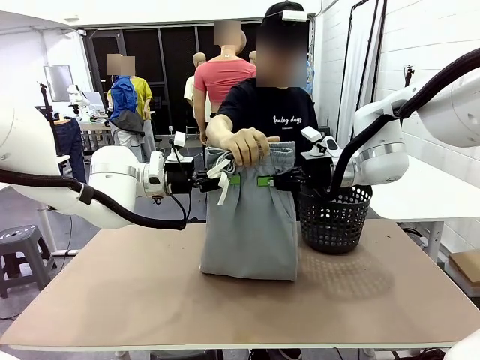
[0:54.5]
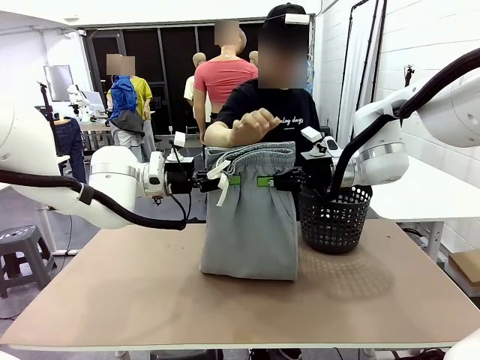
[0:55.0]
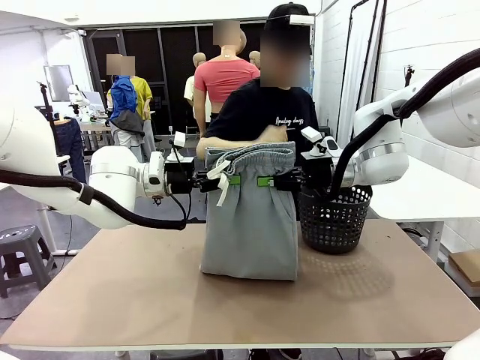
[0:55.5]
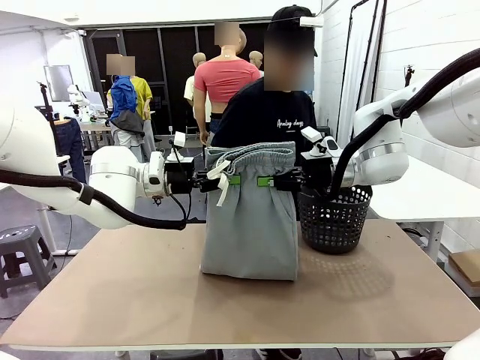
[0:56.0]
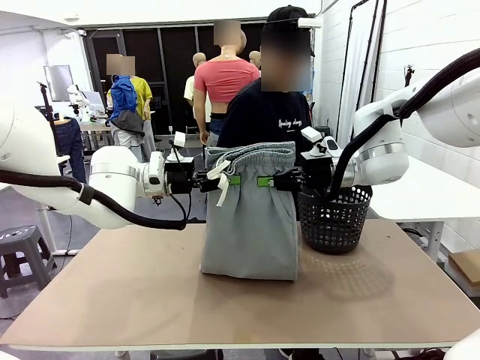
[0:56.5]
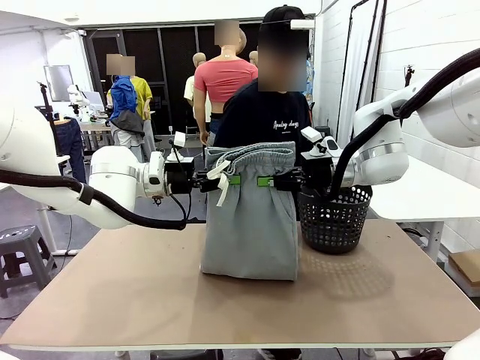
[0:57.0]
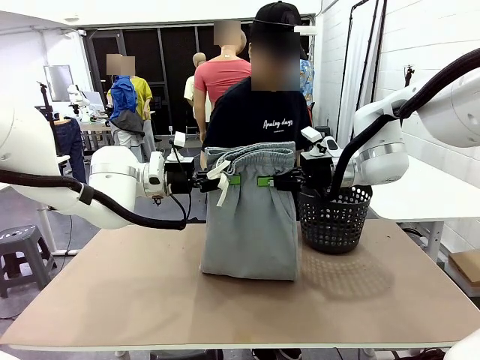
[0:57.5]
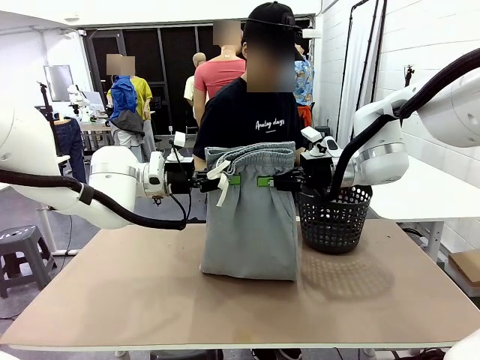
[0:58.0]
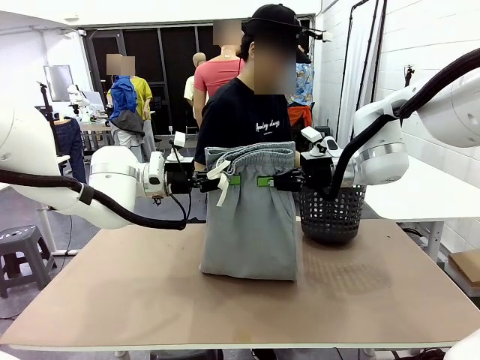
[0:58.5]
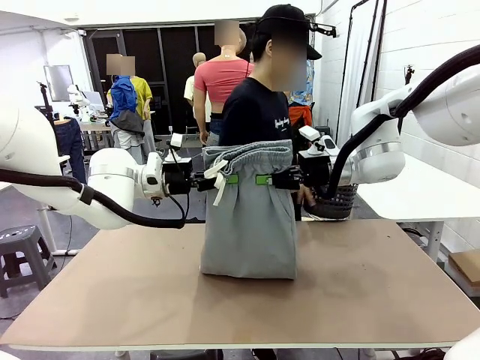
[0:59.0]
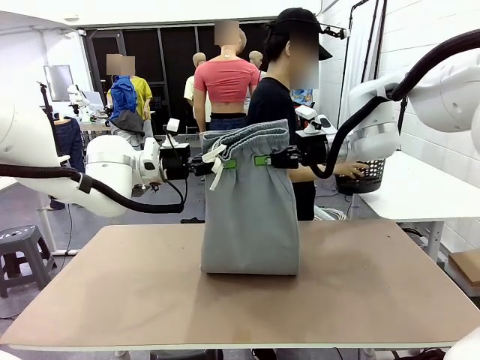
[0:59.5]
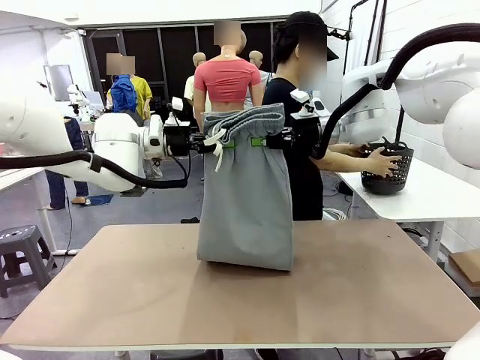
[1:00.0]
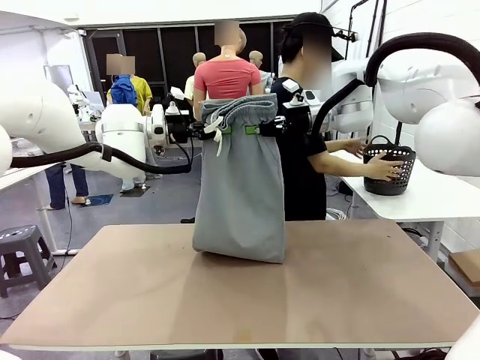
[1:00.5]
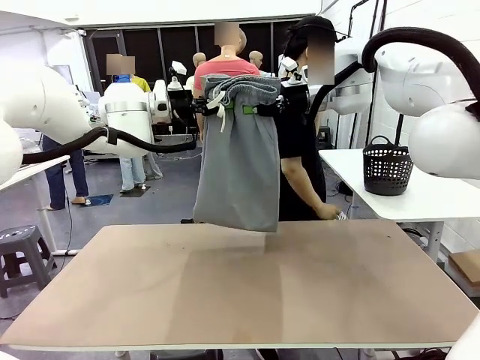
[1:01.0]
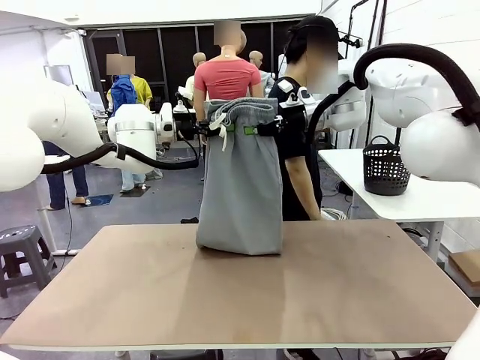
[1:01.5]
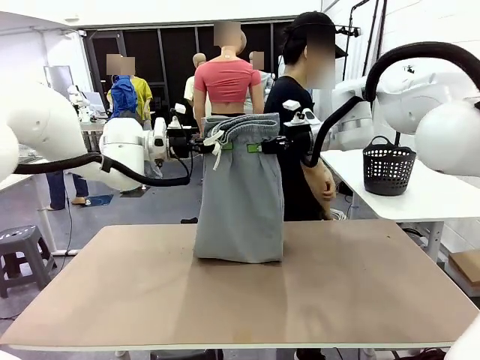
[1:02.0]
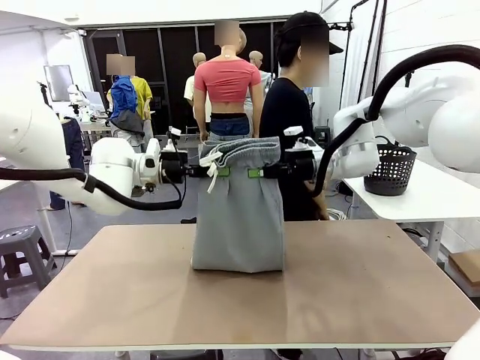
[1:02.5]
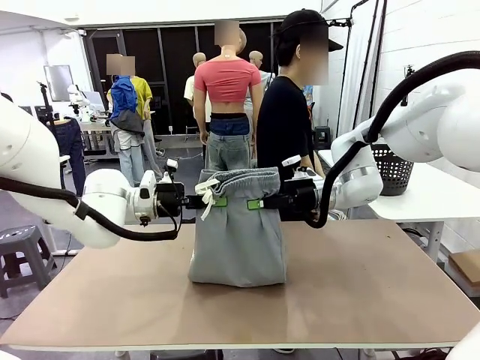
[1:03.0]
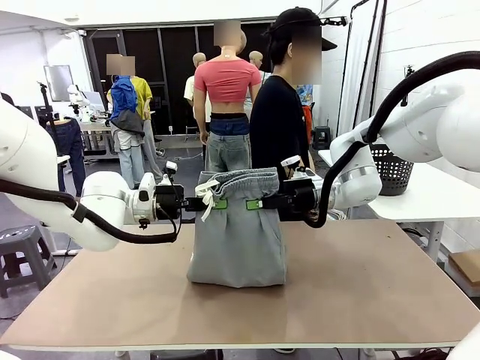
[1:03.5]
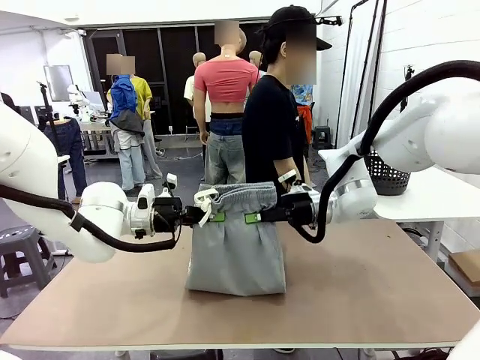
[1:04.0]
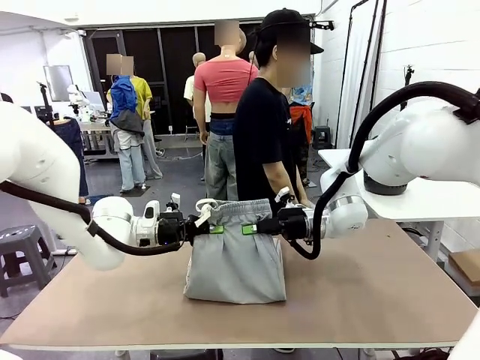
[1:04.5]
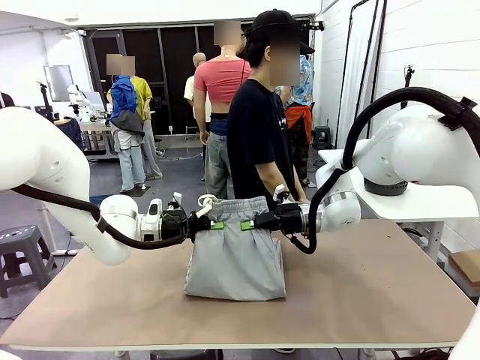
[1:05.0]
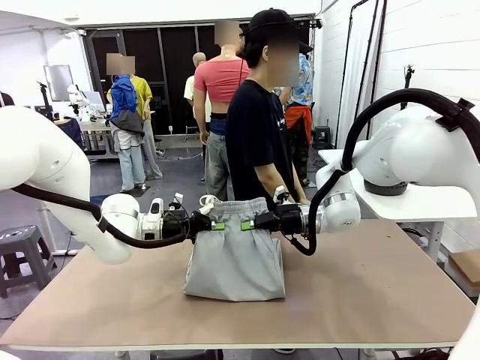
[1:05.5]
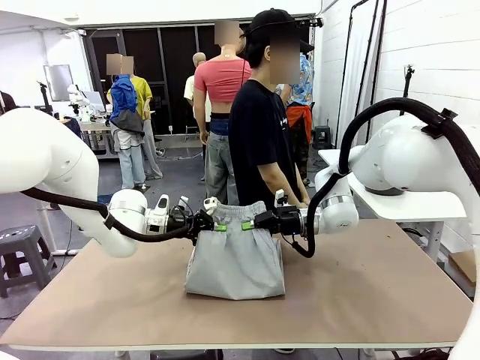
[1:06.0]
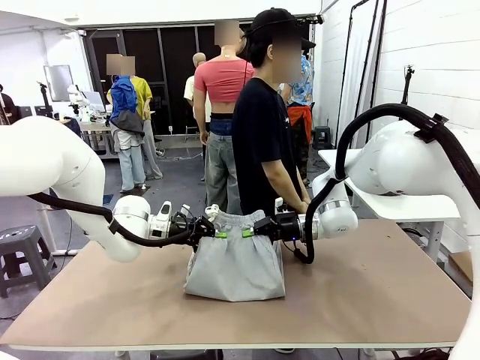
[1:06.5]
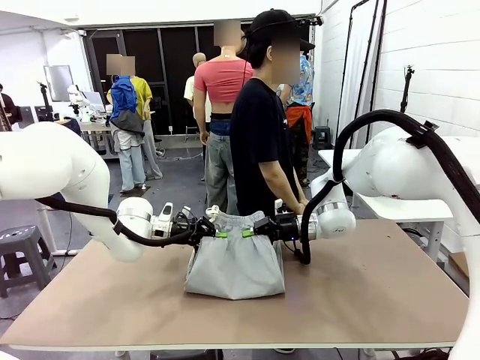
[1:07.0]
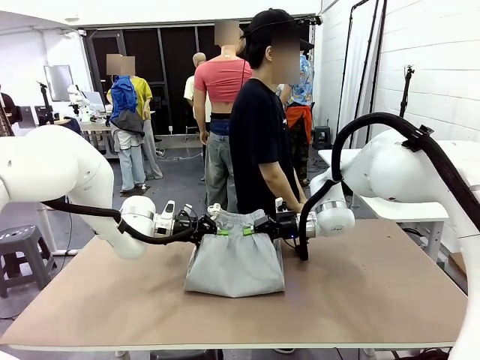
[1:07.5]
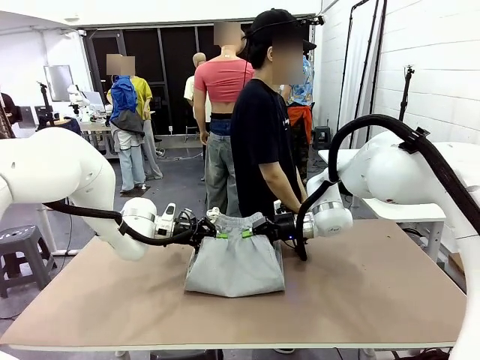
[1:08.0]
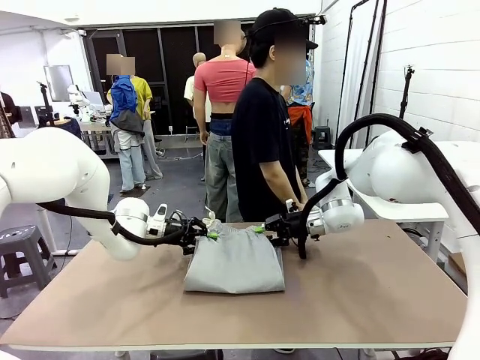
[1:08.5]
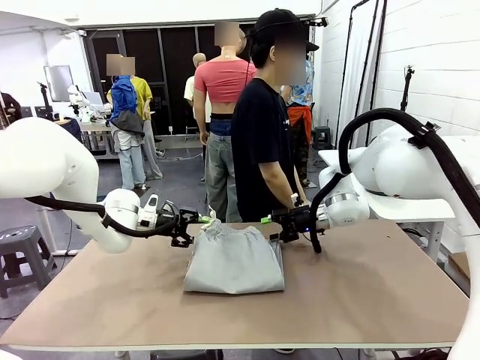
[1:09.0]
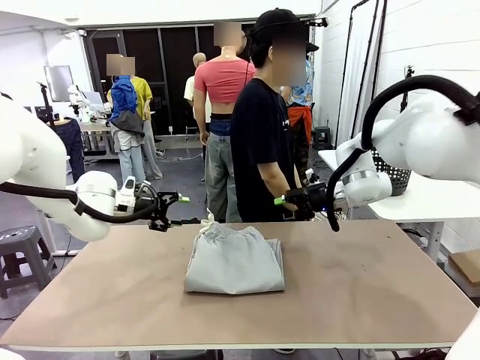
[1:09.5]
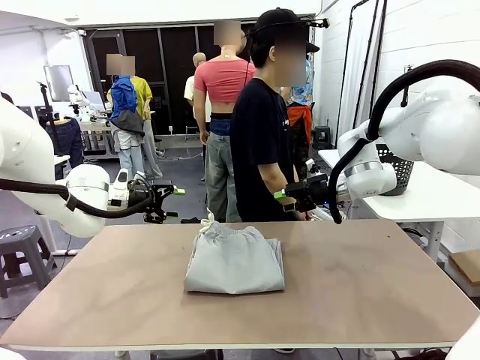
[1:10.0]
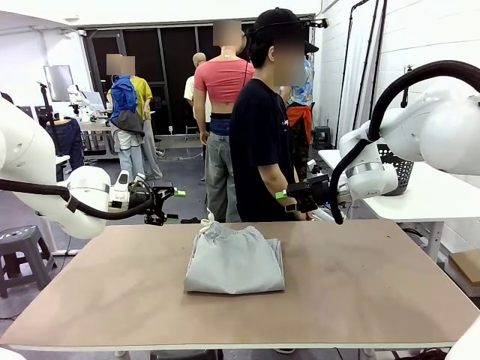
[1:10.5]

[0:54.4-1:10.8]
Task: Fold the training pants.
Robot: Fold the Training pants in half.
Person: Move the laundry basket to the right of the human table.

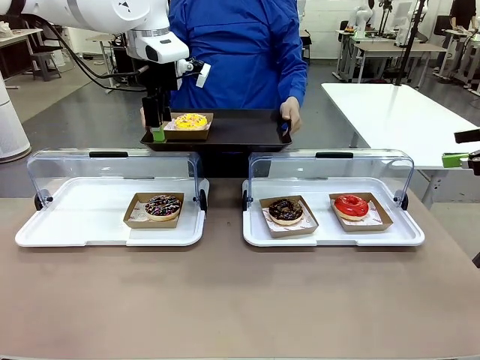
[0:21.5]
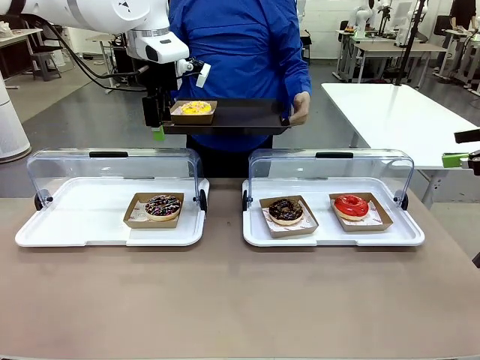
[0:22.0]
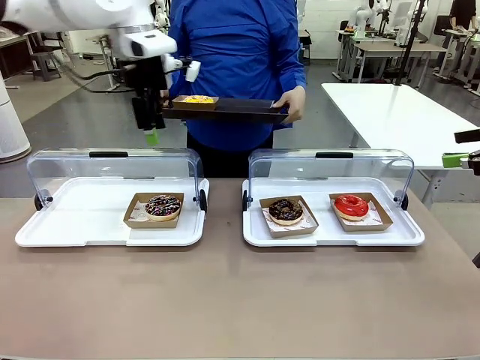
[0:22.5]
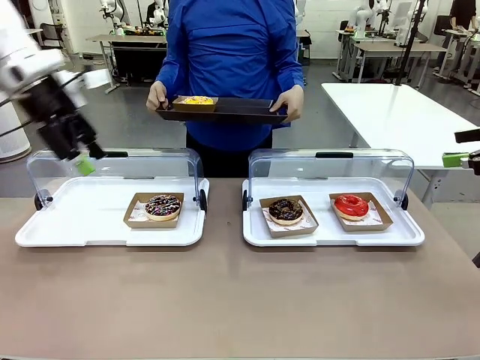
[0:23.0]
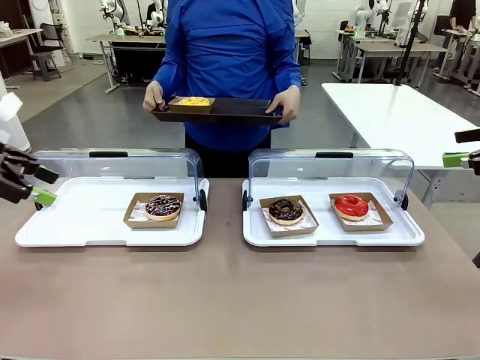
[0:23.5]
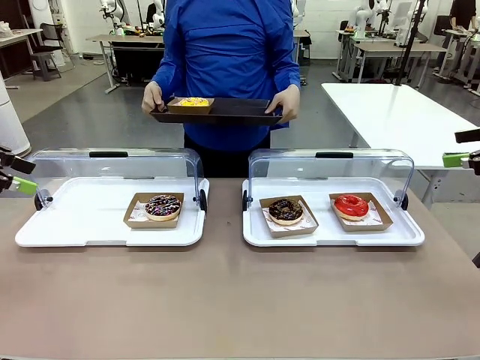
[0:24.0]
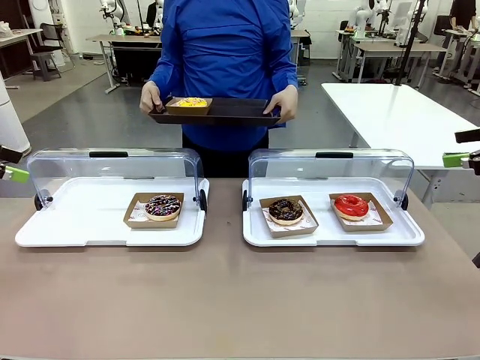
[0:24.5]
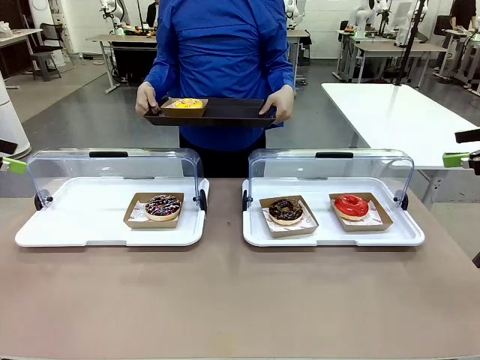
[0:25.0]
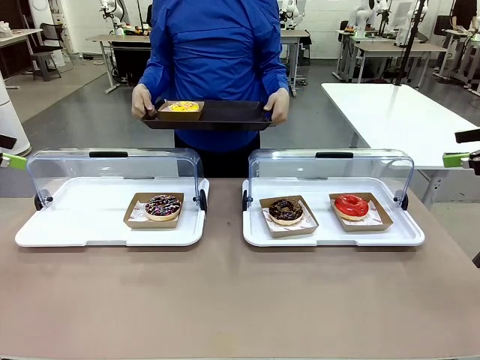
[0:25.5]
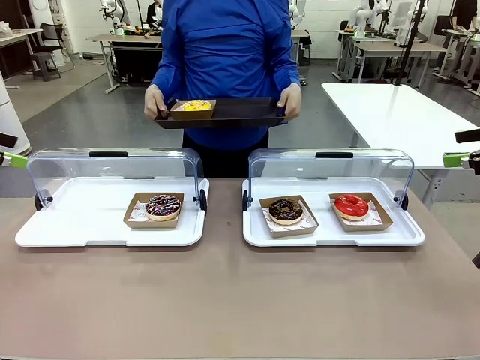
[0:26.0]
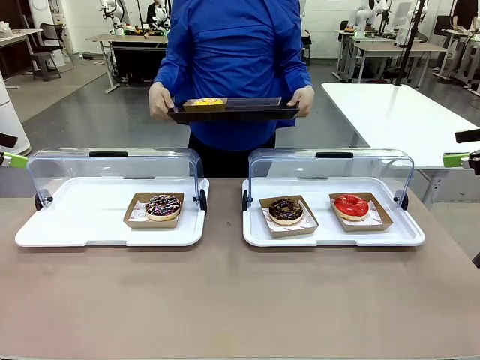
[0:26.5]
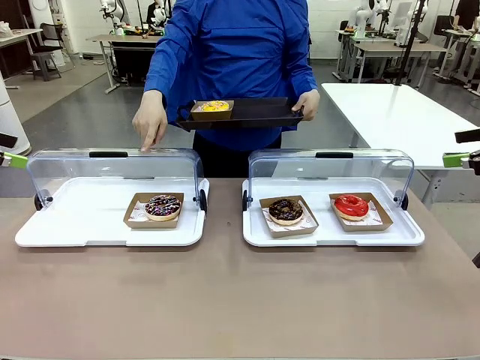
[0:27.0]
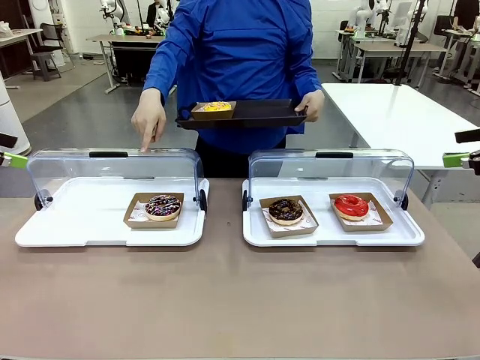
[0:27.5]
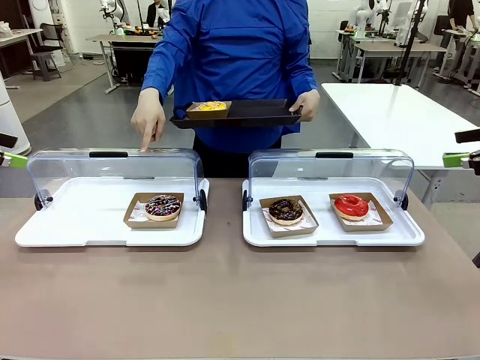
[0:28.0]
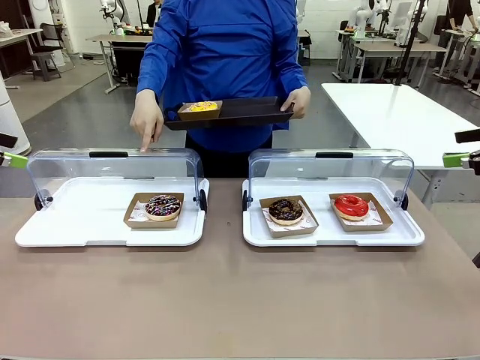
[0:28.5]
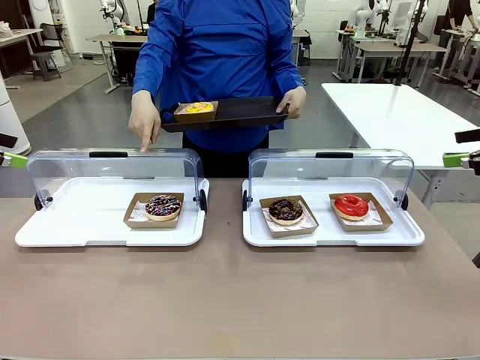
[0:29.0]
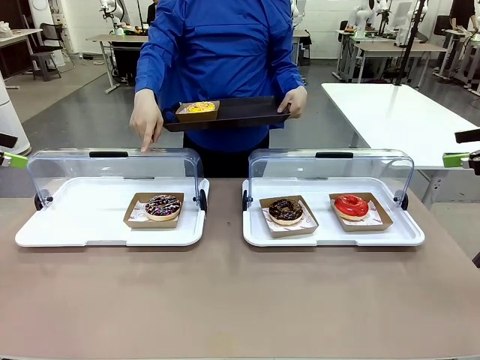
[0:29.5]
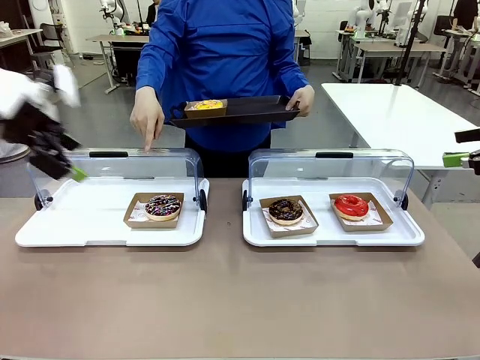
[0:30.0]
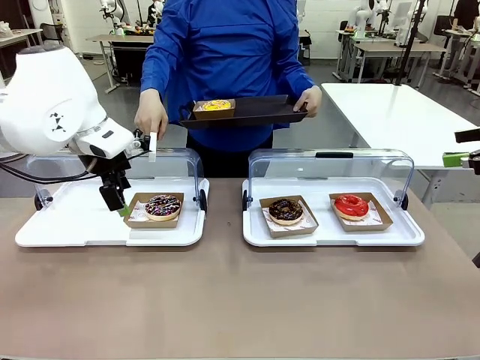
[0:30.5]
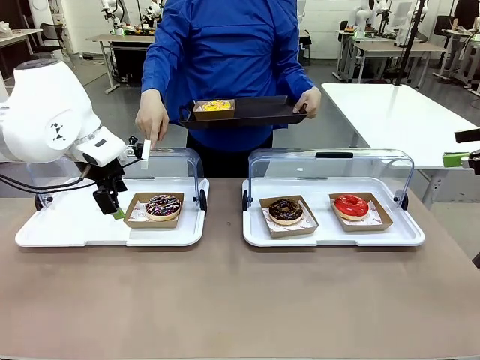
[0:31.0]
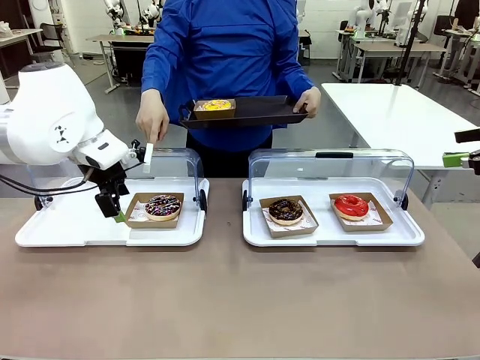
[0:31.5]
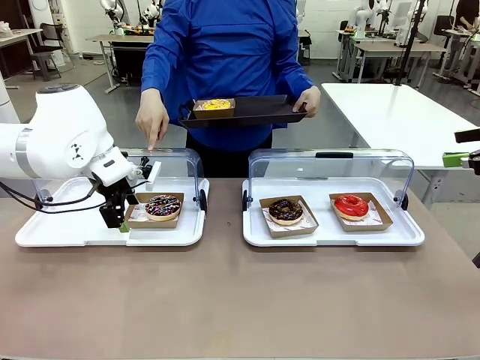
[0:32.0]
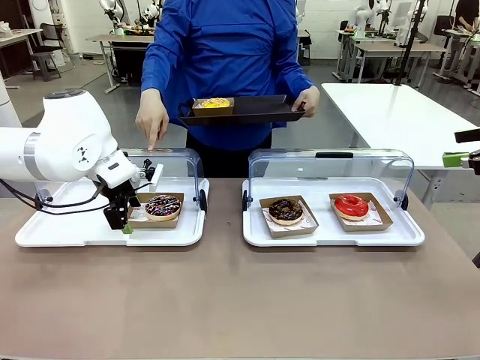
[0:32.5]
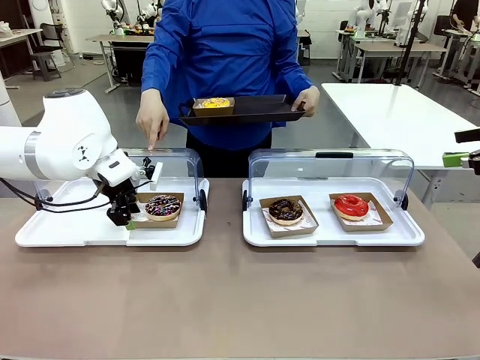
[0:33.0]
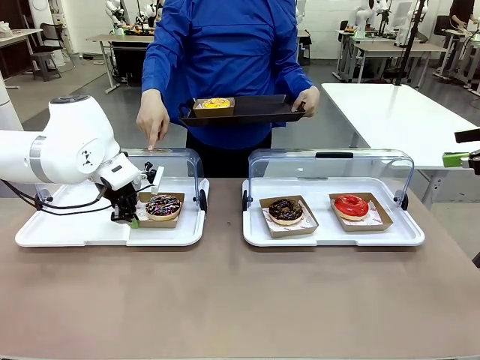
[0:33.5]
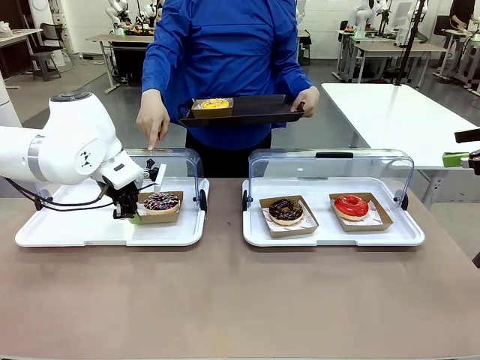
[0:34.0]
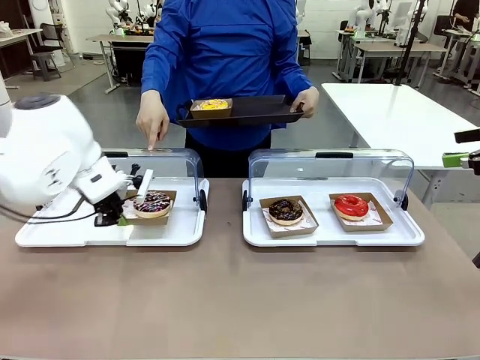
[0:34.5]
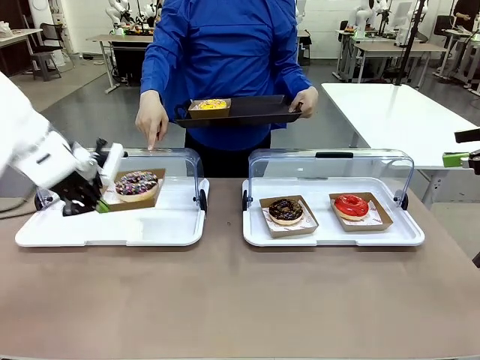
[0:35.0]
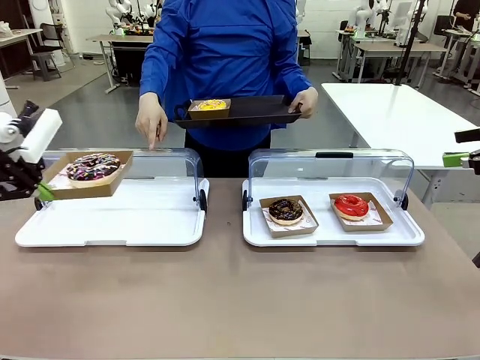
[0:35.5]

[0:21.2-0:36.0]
Task: Provide the desired donut to the person.
Robot: Pick up and lift the Paper togo box containing the Donut pointed at by the person.
Person: Point to one donut. Lift the tray onto the Roll-Top Bakery Case.
